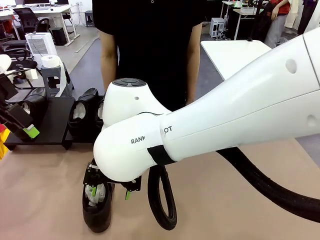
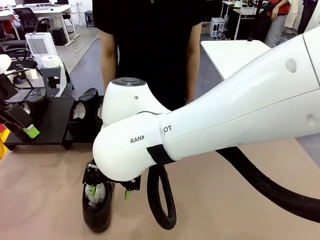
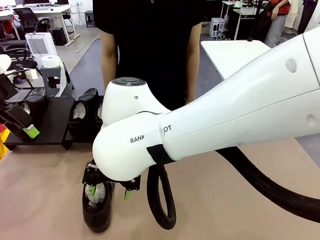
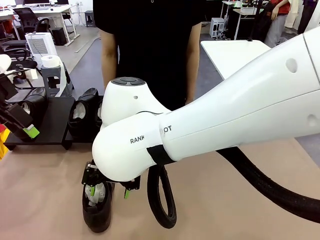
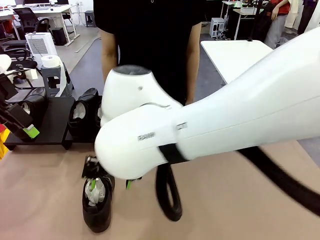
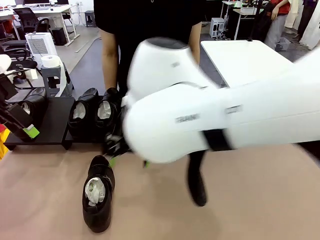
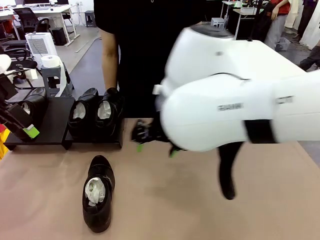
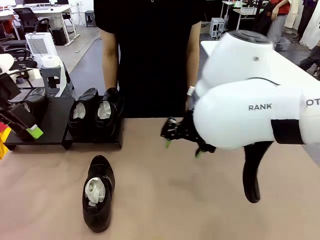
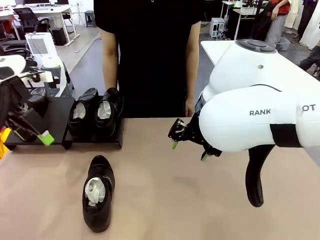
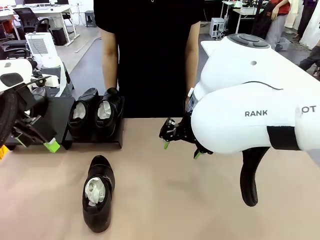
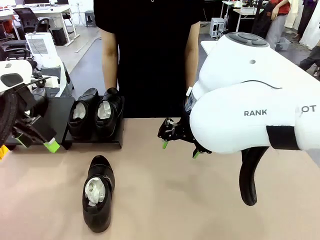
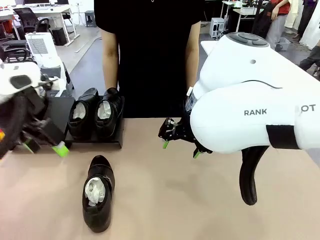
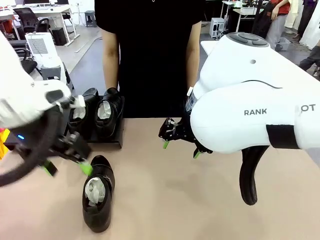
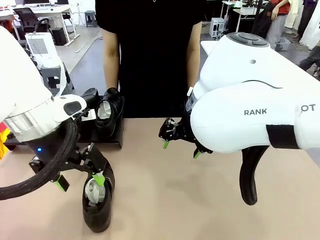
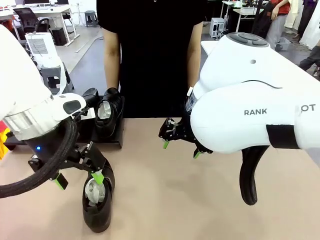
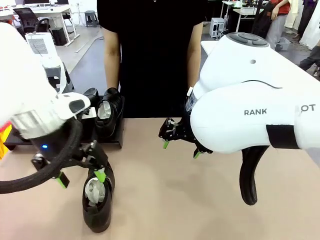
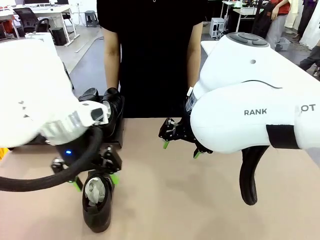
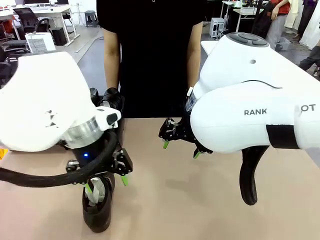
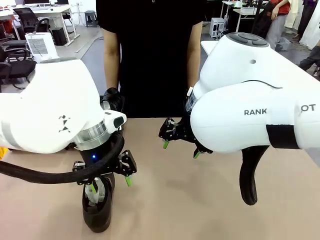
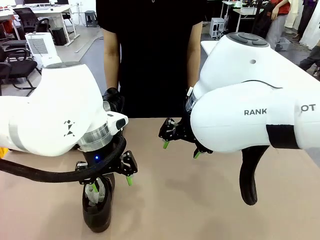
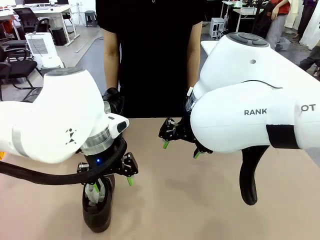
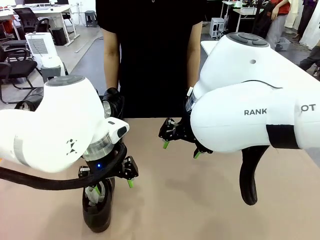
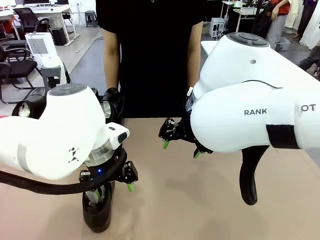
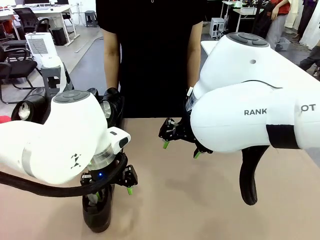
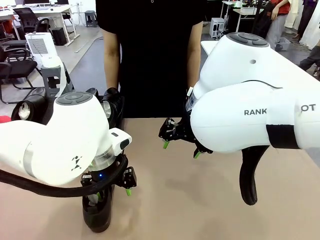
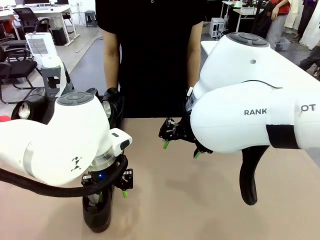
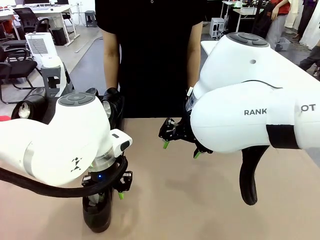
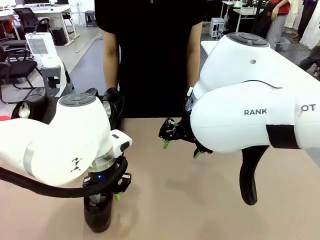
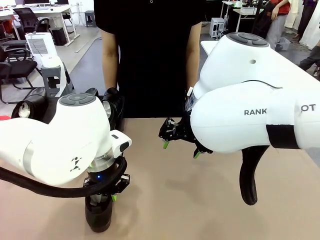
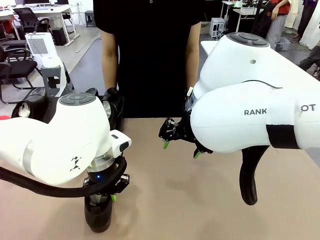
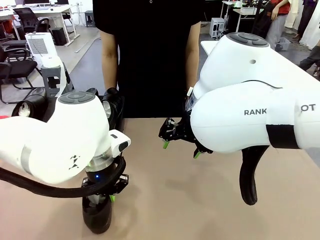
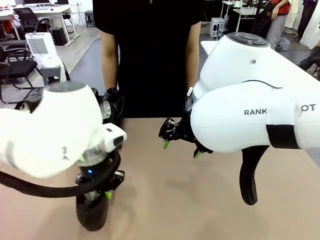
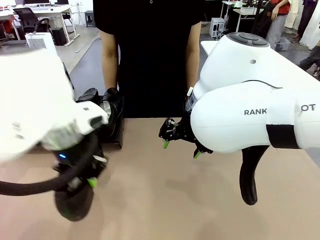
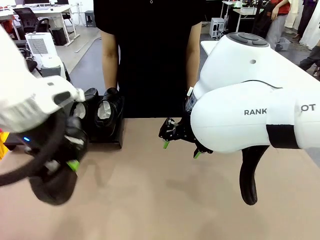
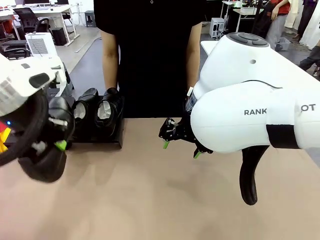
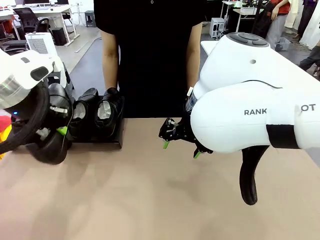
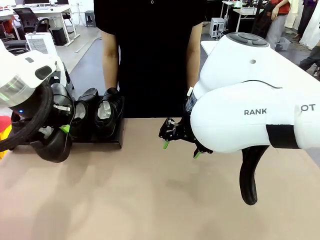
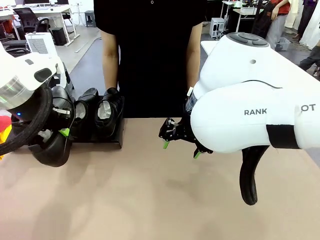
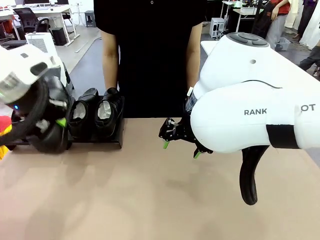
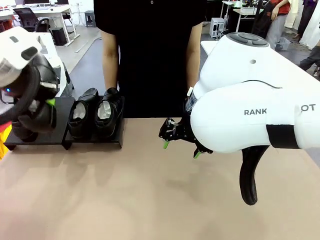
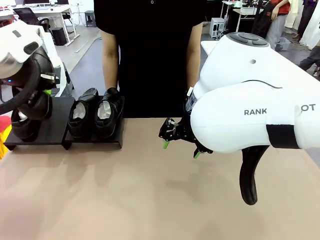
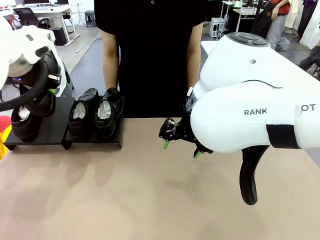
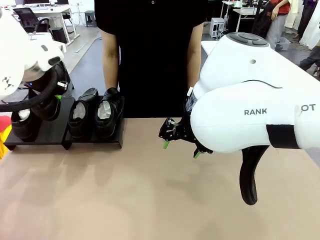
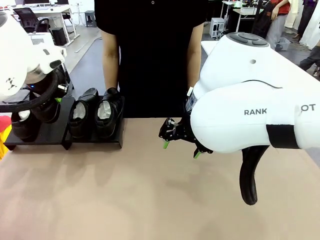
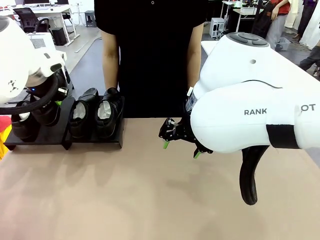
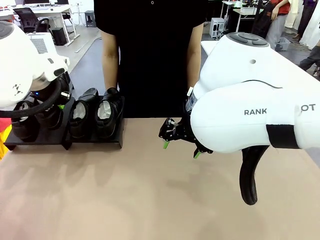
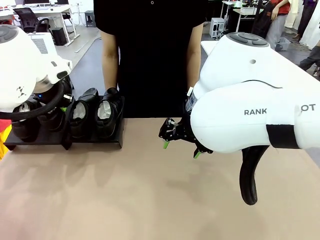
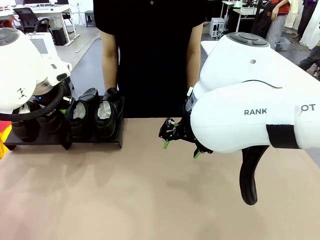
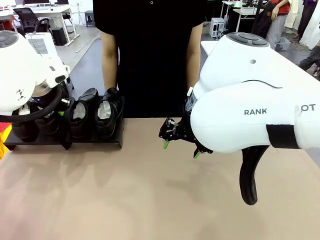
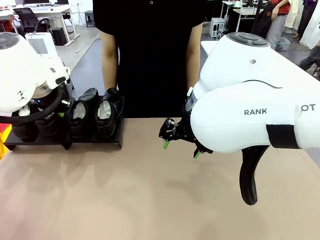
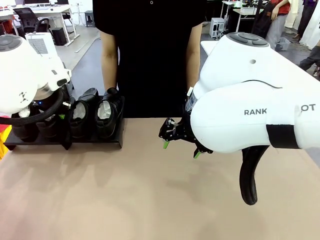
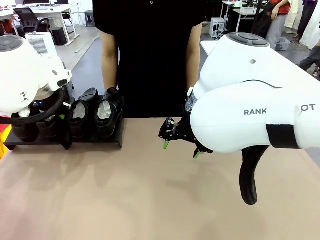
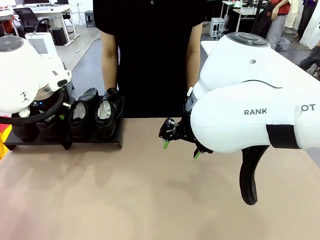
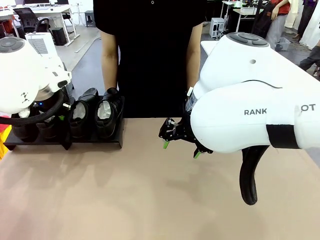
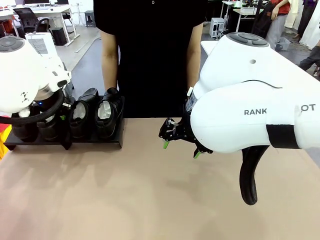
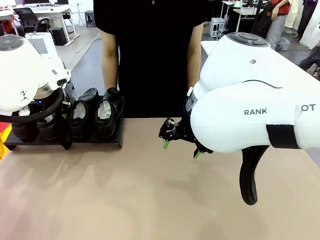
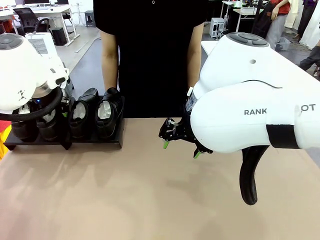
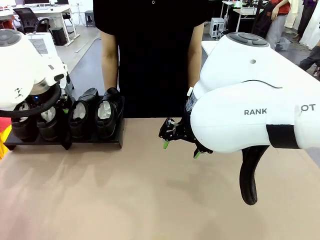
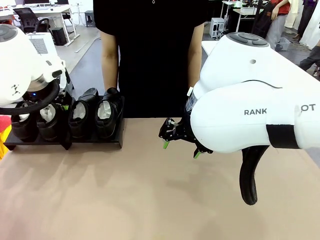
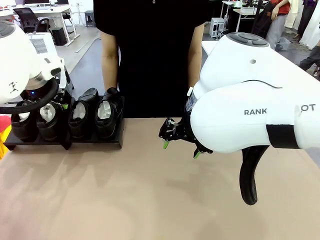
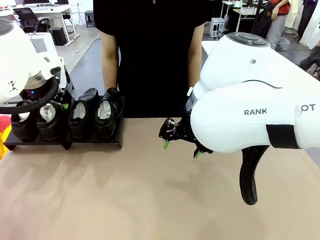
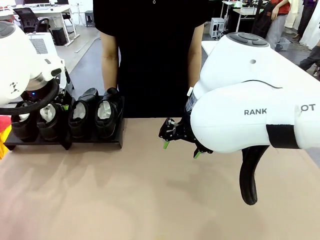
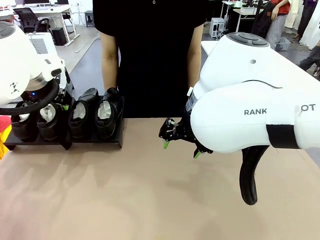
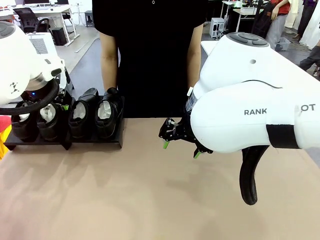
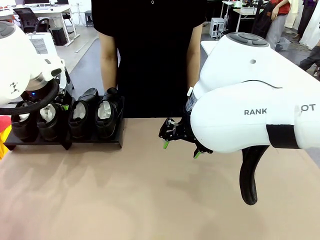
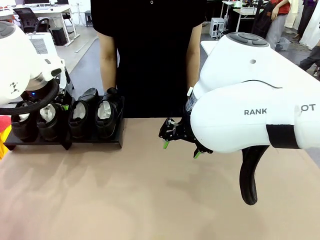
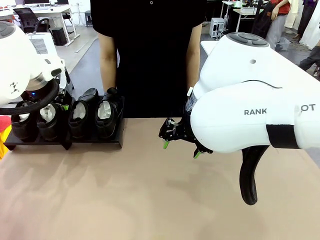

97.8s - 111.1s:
Task: Organize the shoes by placing them on the stand.
Robot: Place the Shoe from the middle of the table onto the Shoes Stand.

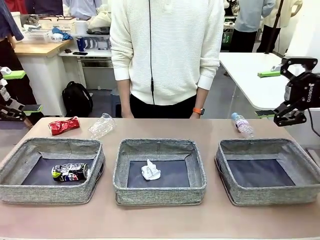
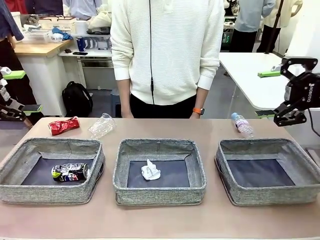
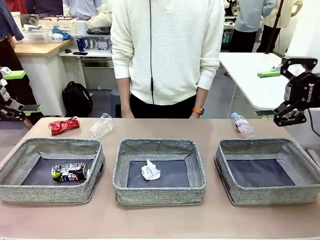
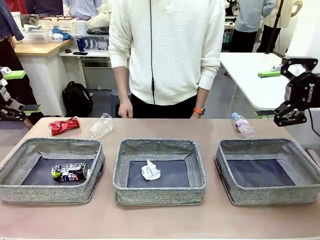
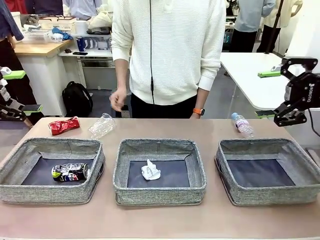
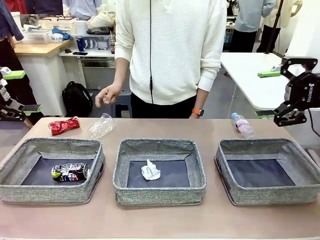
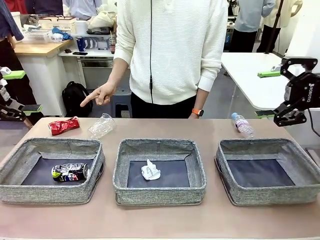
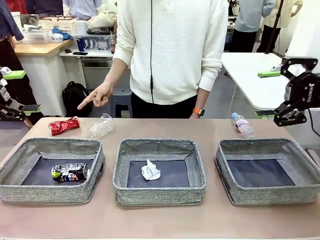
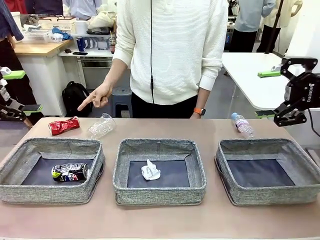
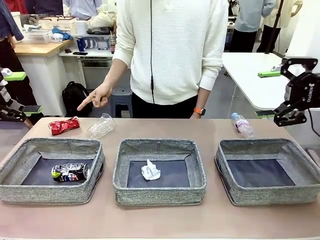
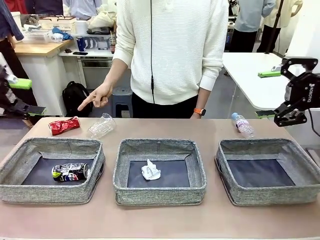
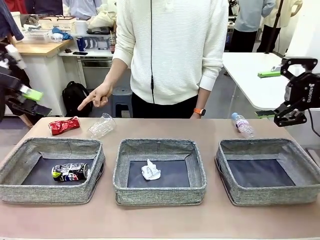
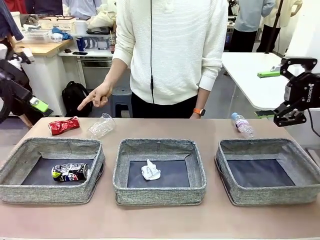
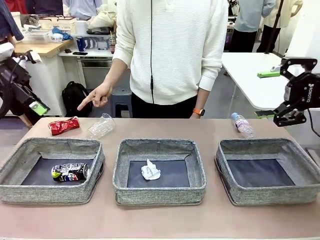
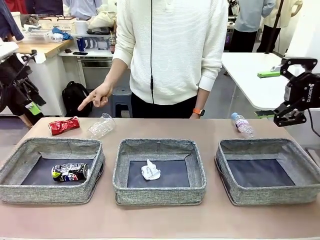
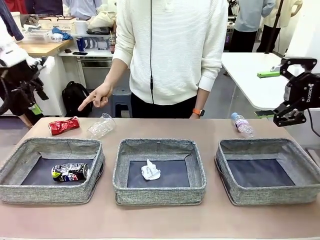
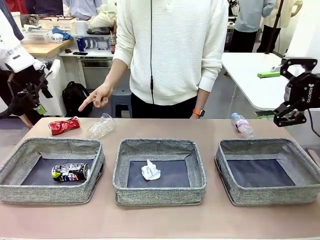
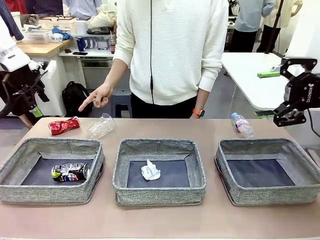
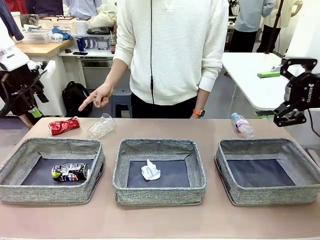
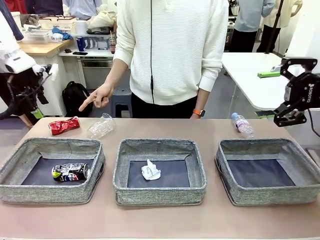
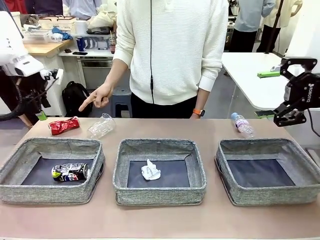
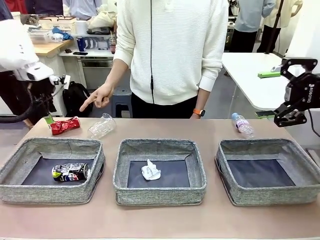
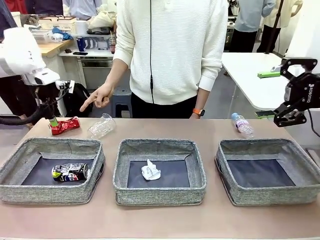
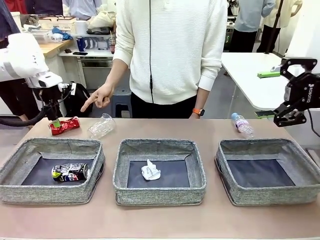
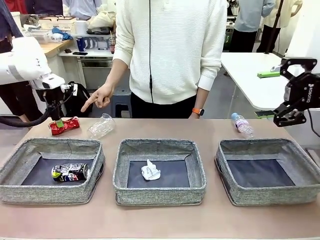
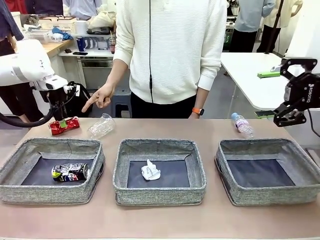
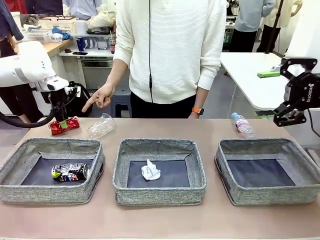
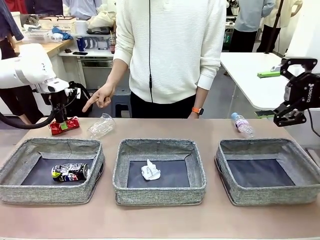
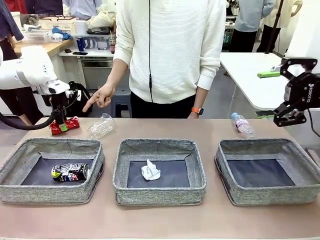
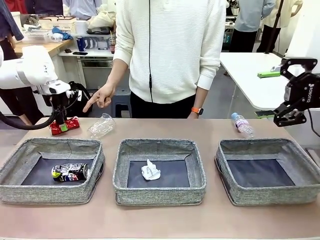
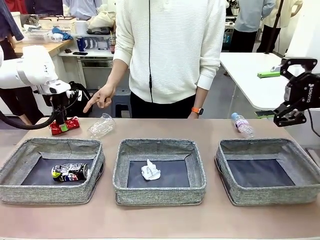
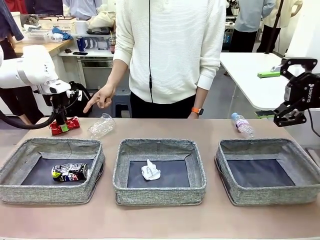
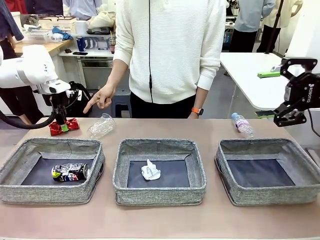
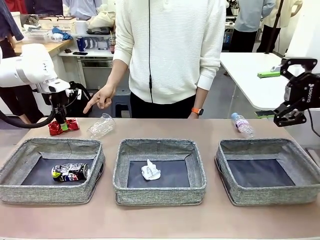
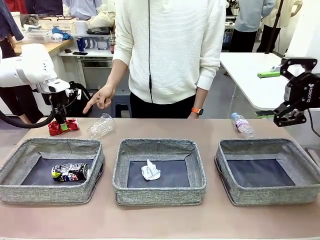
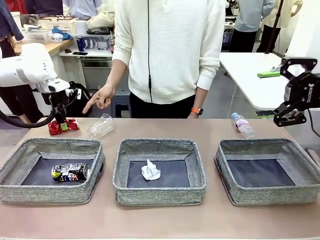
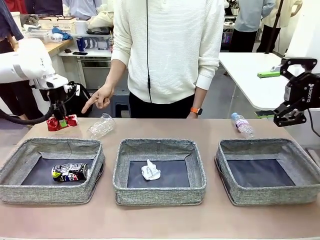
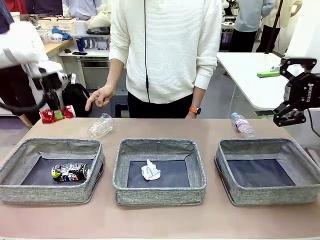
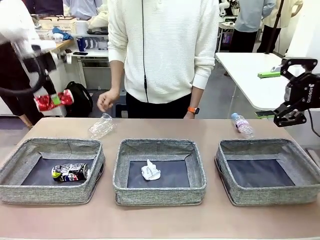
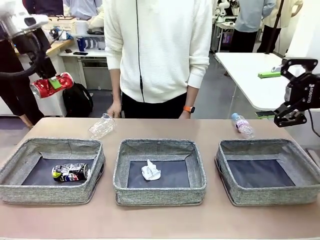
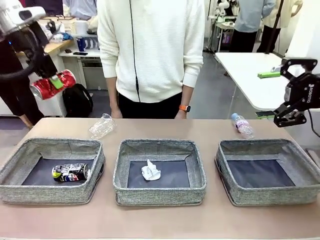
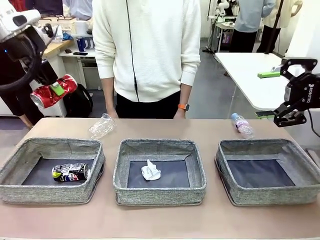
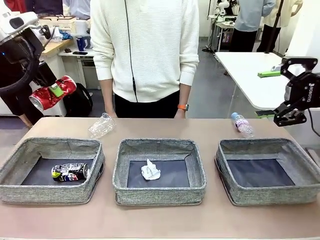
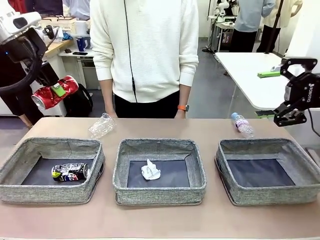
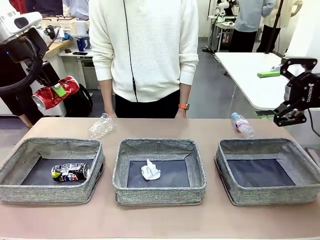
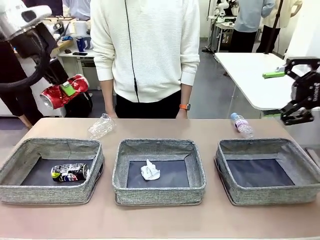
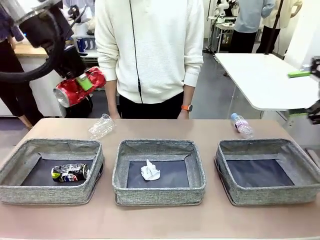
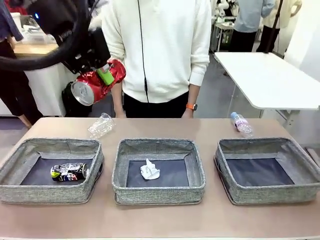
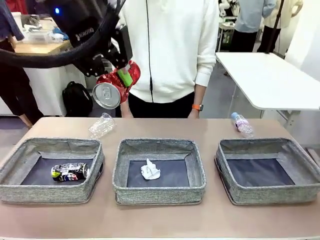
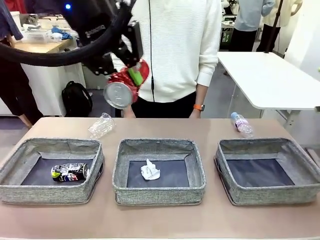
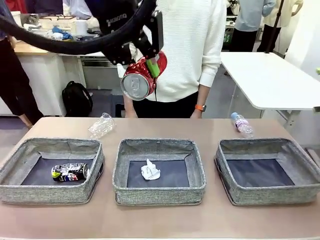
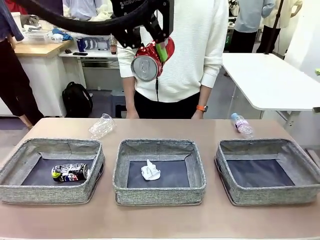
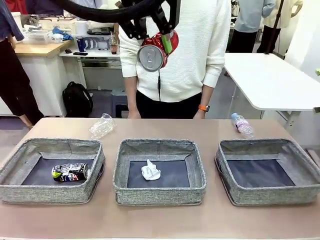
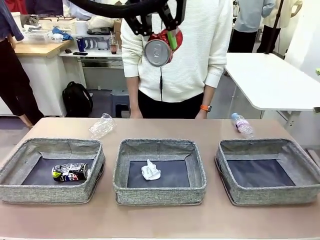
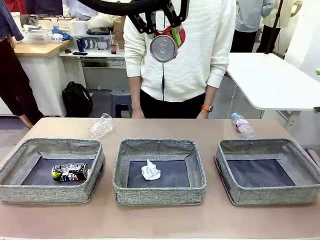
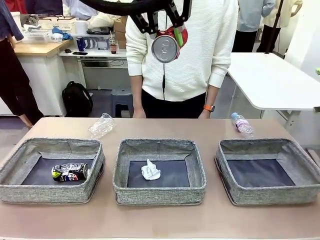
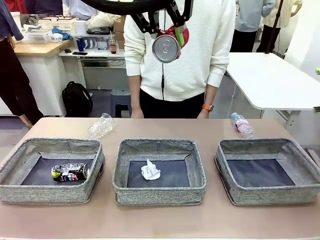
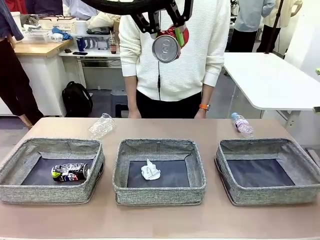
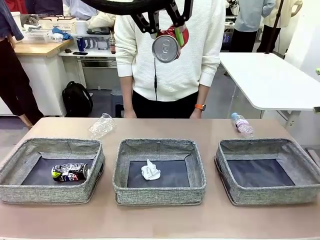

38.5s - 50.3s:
Task: Sort the waste into the appropriate baskets.
Robot: Pick up the waste item pointed out by the person.
Person: Points to one piece of trash on the table.
